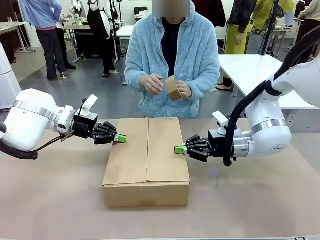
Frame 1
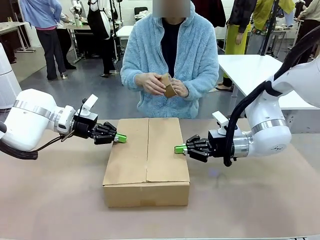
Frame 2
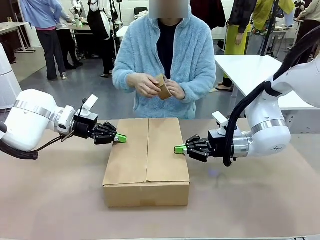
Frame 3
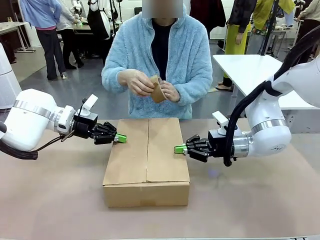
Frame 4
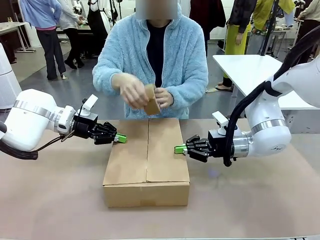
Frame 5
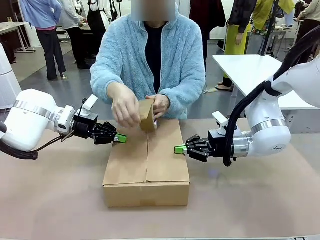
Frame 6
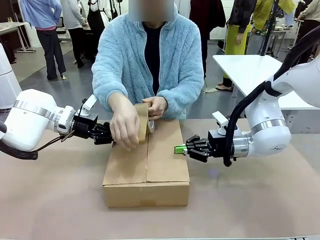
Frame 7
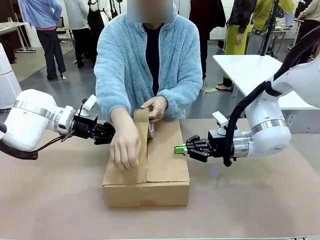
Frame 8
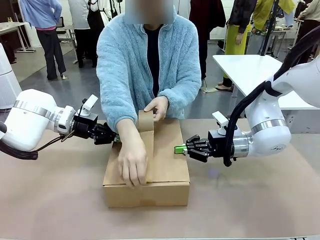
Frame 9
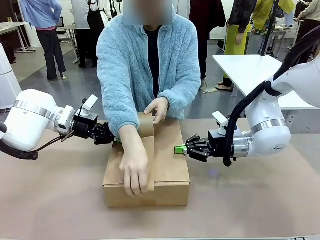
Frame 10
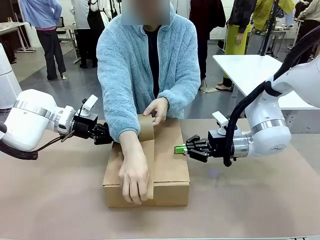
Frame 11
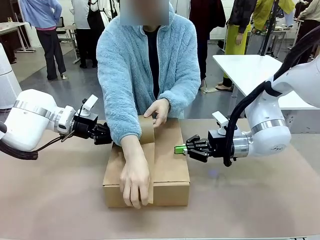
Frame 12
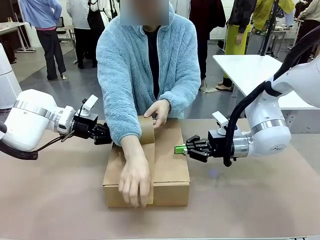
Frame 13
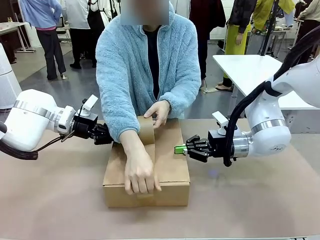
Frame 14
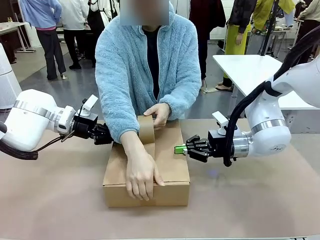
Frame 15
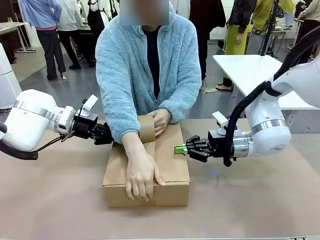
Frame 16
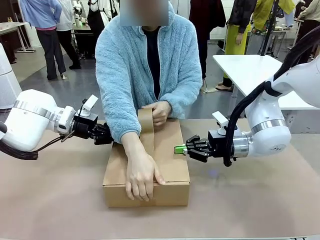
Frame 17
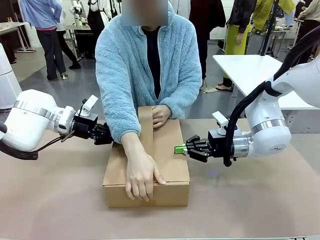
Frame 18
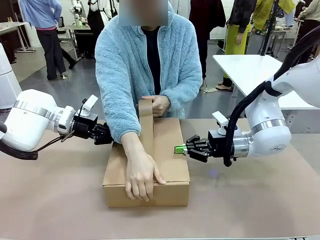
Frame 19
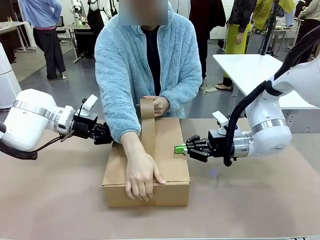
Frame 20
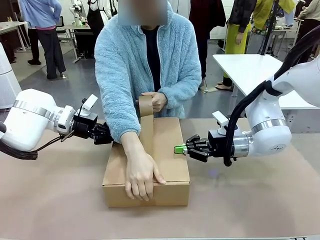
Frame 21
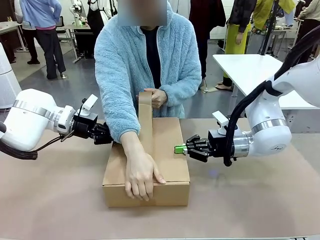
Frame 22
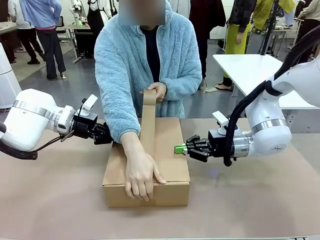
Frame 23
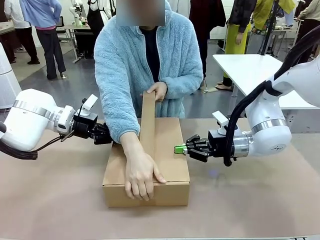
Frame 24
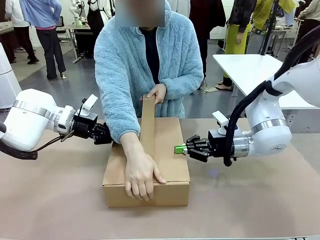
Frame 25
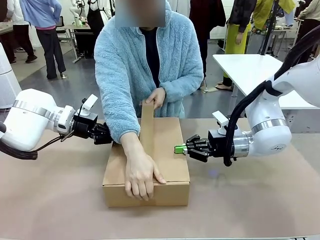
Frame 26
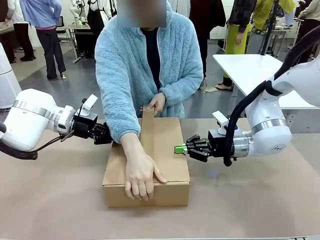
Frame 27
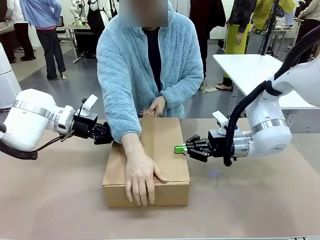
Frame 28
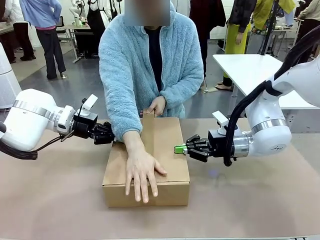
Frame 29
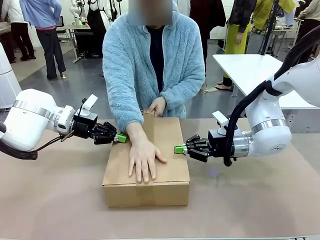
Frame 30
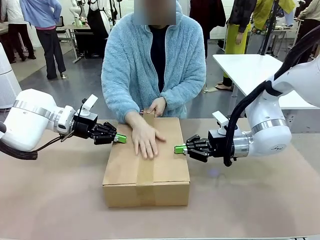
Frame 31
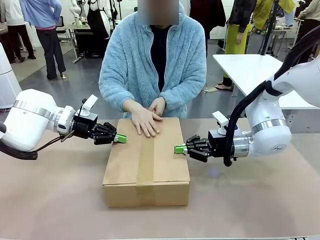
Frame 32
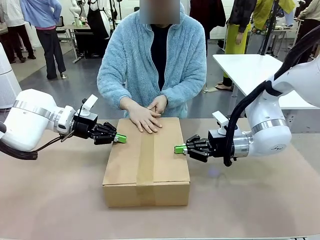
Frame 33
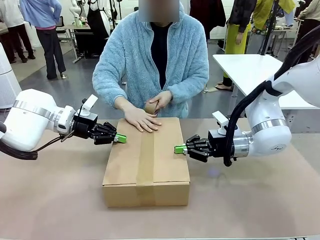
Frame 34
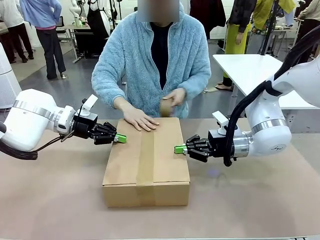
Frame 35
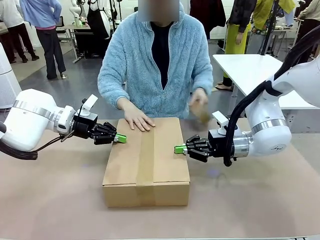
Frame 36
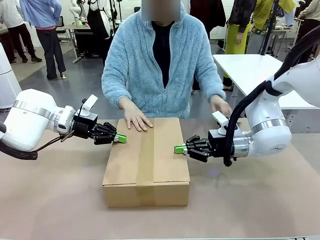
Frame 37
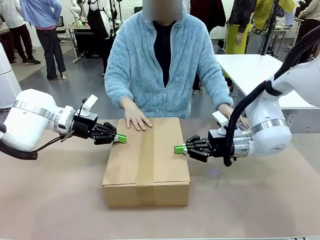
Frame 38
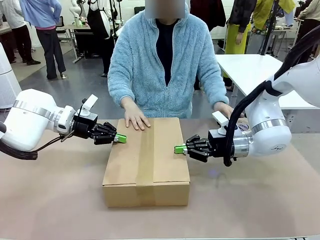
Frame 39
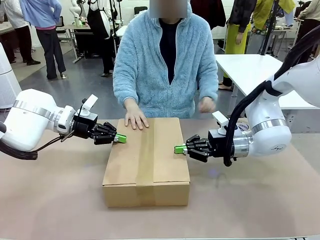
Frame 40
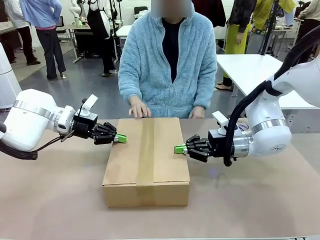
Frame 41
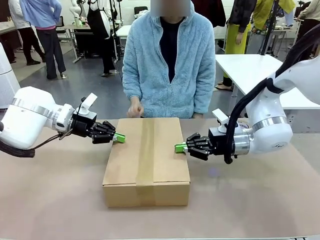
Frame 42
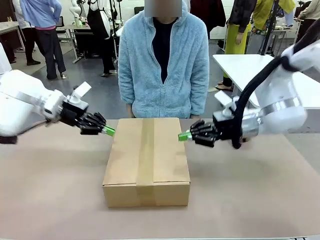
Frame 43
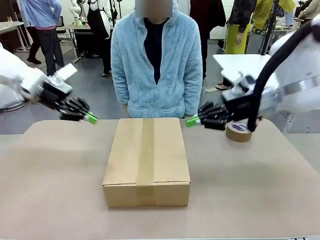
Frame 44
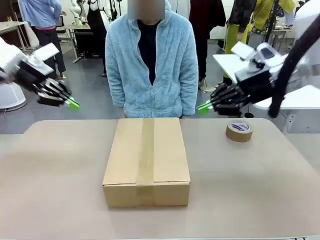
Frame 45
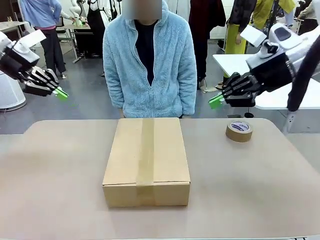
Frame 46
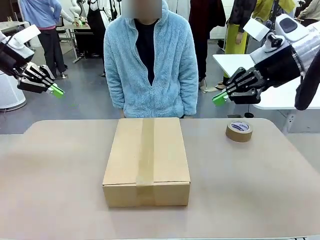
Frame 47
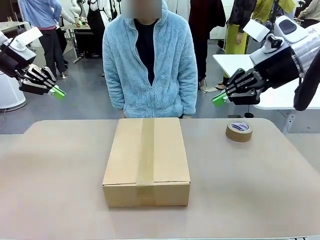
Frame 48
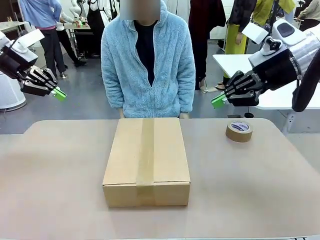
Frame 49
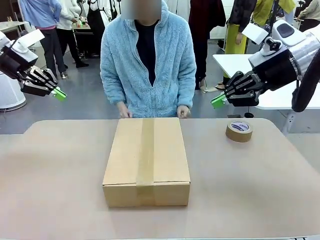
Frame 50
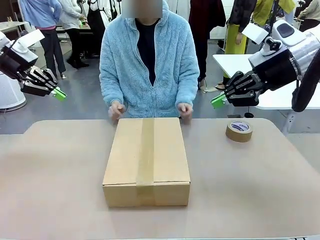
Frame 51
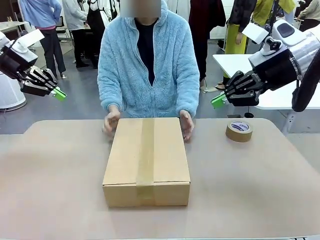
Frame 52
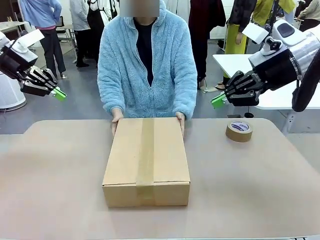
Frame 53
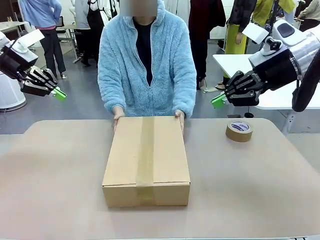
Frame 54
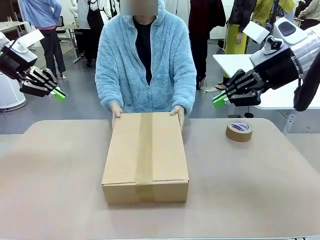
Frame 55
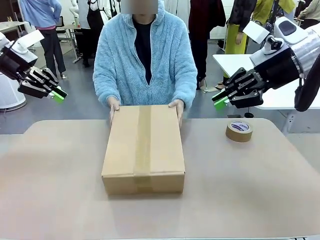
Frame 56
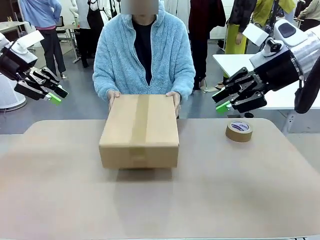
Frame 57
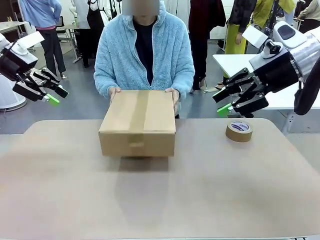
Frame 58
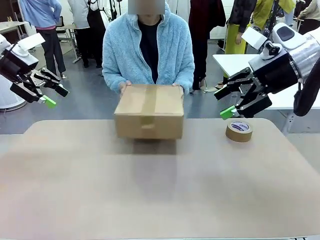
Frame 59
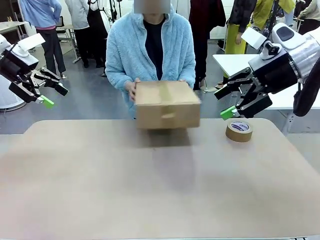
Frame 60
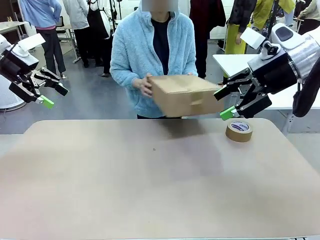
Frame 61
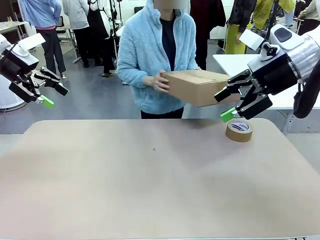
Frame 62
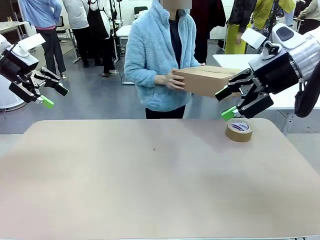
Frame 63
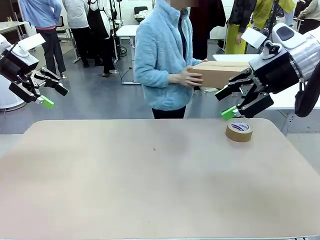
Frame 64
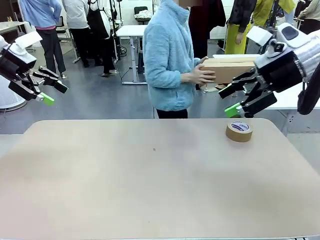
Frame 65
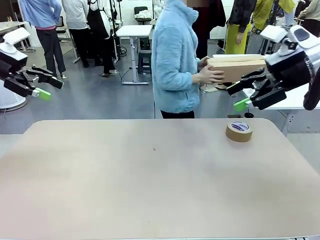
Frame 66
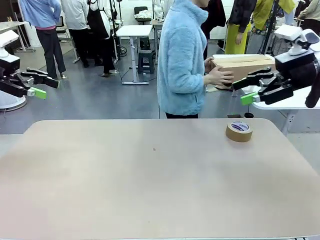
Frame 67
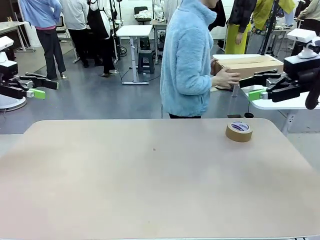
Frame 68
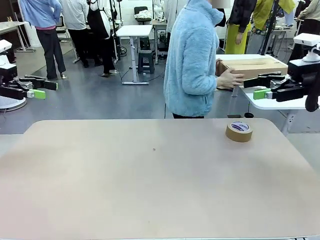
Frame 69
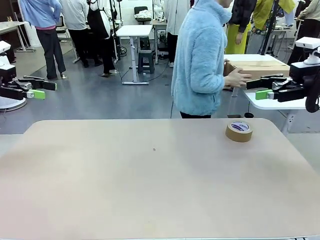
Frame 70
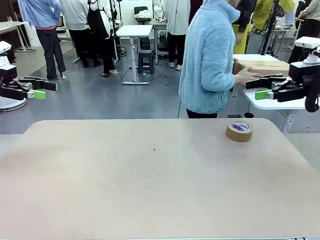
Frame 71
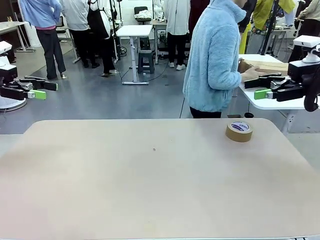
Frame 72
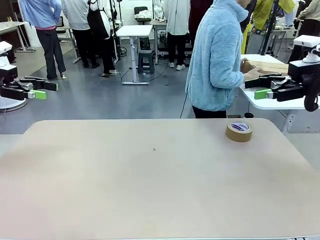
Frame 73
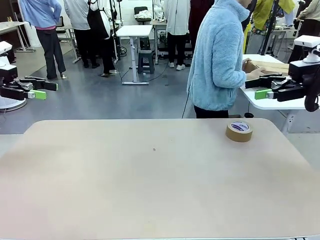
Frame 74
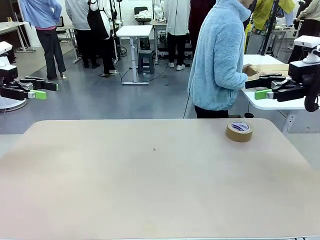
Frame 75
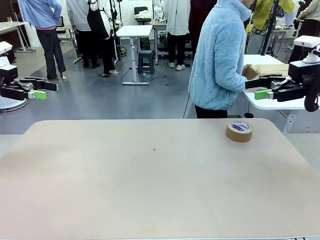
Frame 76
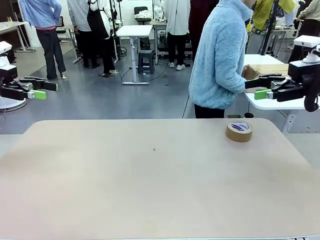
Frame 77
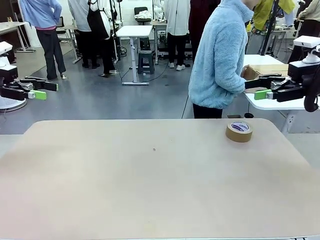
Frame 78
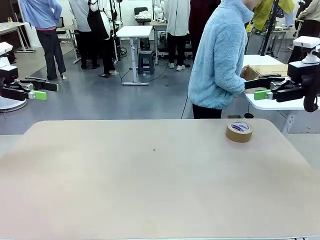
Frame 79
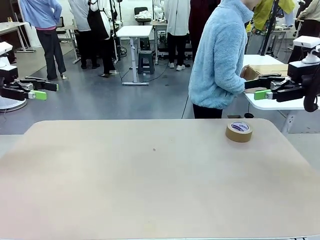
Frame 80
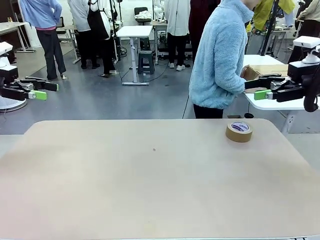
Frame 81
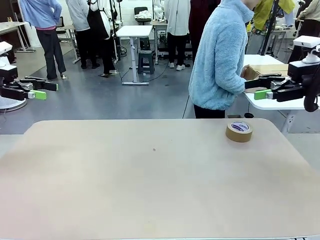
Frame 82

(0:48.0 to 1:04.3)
Task: Wrap the clocks to prevent damage.
Robot: After the human seals the box with tape, release both hands from the side flaps of the Package Box.
Person: Once the robot closes the left flap of the Package Box , seal the box with Paper Tape. Place sealed Package Box in the middle of the human's table.
